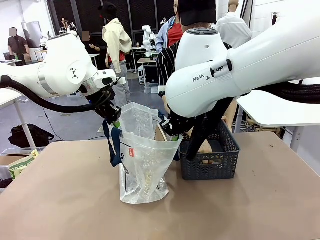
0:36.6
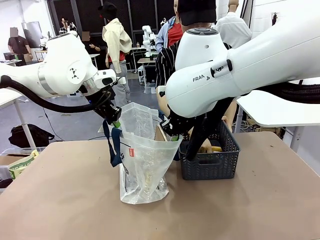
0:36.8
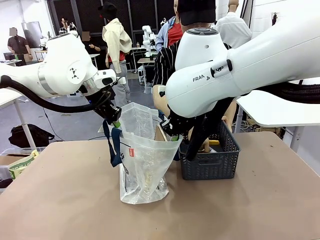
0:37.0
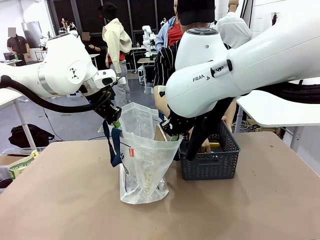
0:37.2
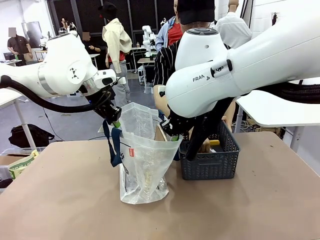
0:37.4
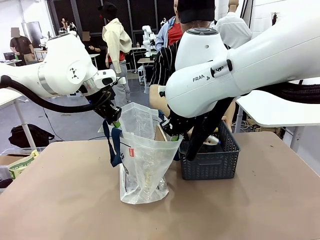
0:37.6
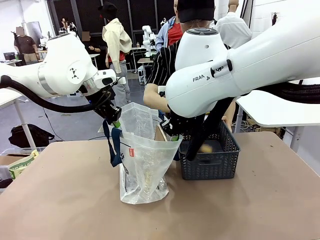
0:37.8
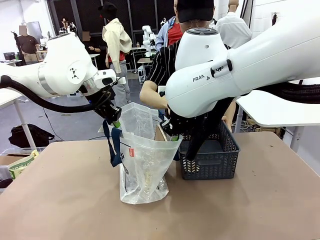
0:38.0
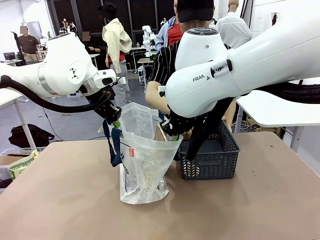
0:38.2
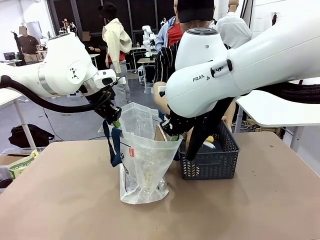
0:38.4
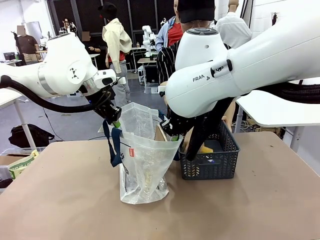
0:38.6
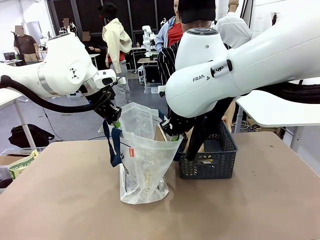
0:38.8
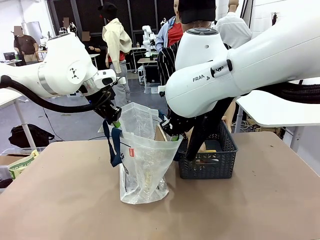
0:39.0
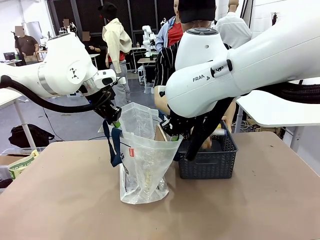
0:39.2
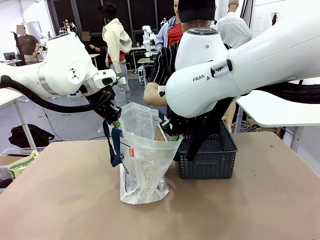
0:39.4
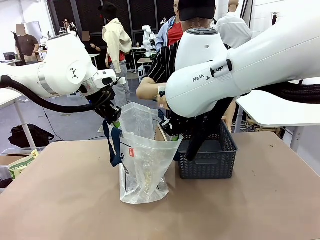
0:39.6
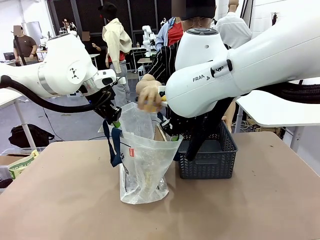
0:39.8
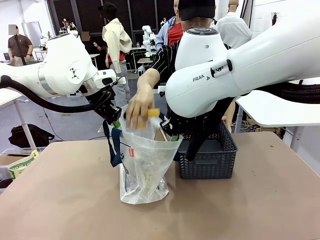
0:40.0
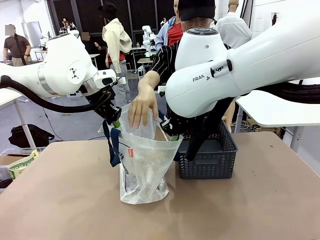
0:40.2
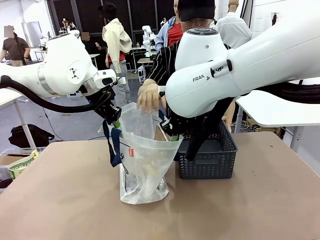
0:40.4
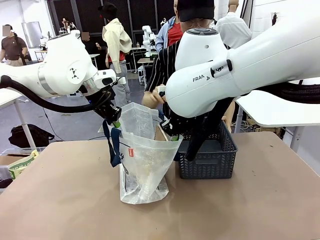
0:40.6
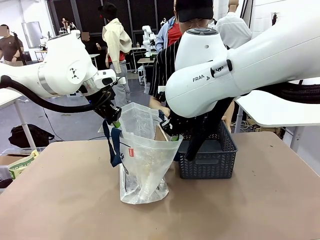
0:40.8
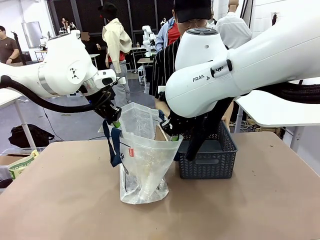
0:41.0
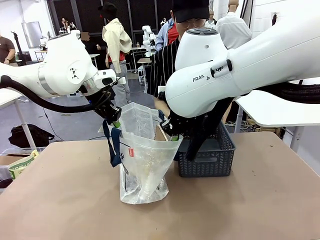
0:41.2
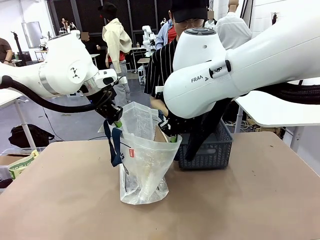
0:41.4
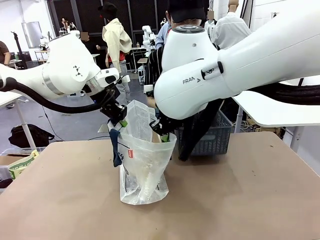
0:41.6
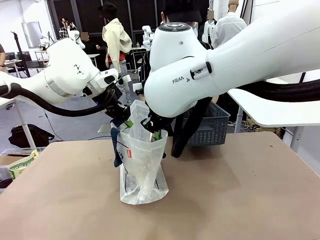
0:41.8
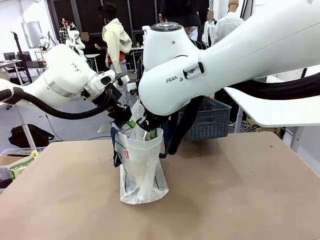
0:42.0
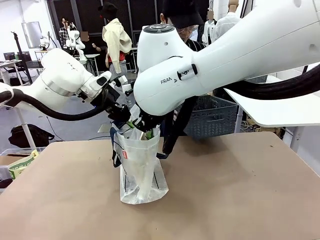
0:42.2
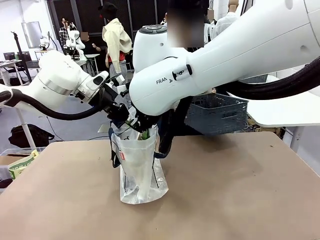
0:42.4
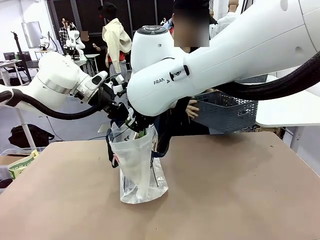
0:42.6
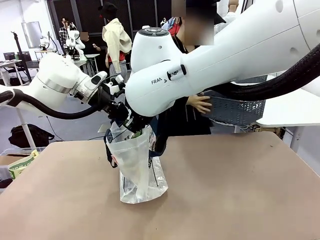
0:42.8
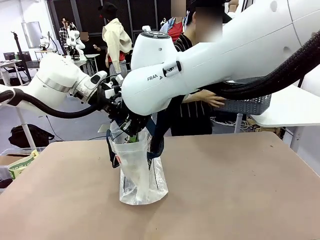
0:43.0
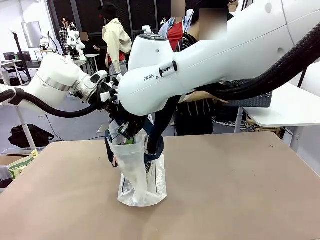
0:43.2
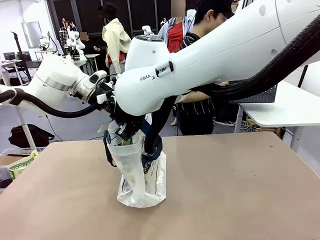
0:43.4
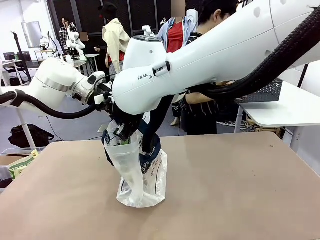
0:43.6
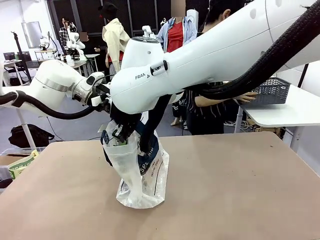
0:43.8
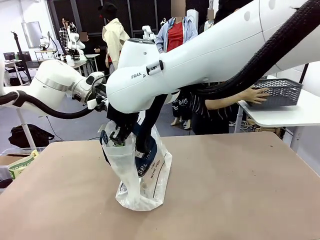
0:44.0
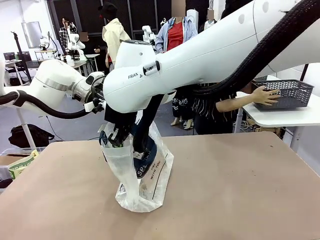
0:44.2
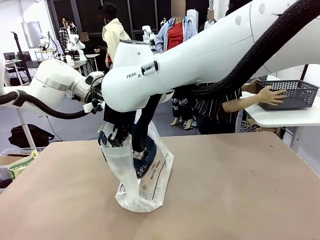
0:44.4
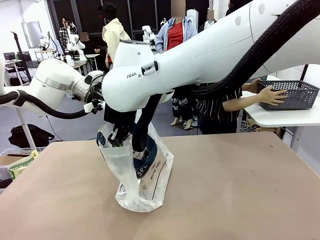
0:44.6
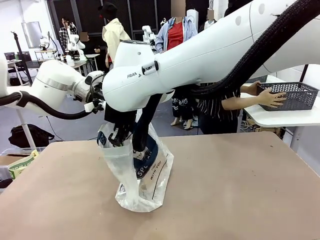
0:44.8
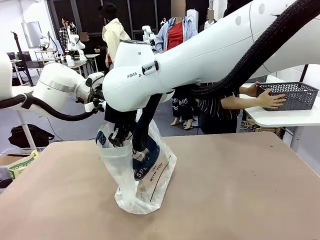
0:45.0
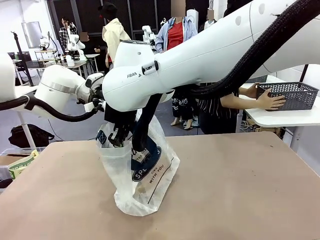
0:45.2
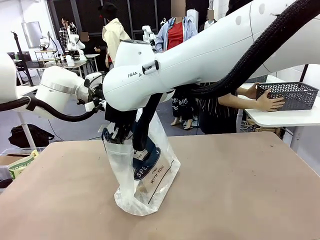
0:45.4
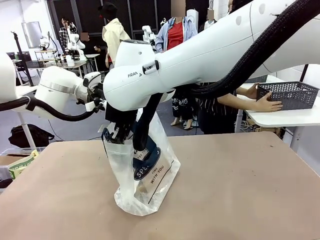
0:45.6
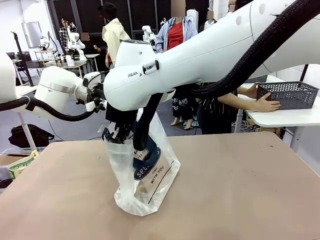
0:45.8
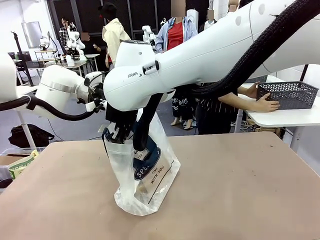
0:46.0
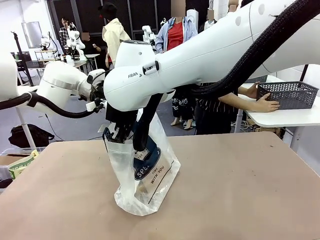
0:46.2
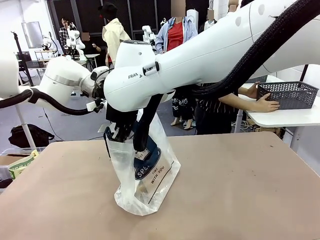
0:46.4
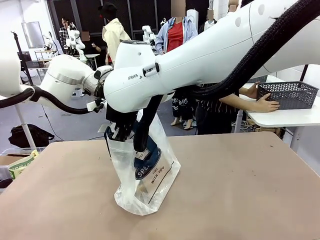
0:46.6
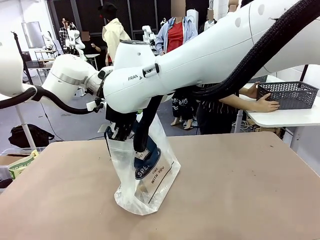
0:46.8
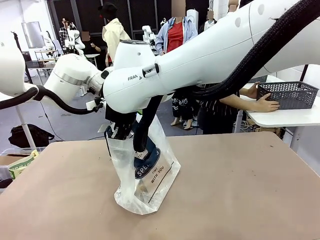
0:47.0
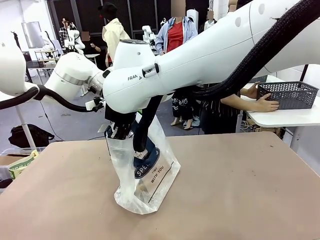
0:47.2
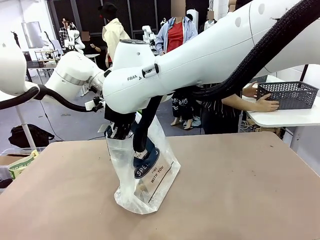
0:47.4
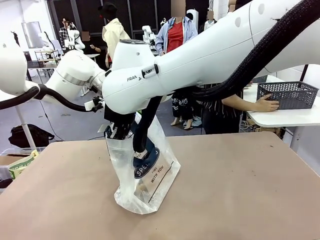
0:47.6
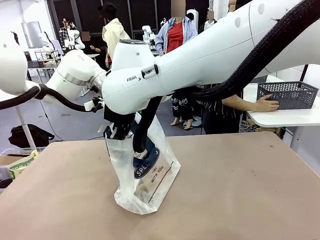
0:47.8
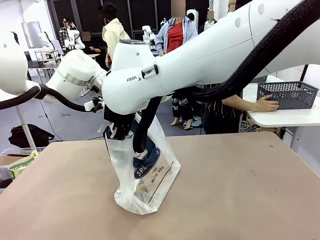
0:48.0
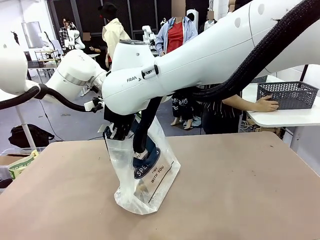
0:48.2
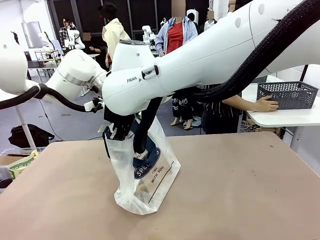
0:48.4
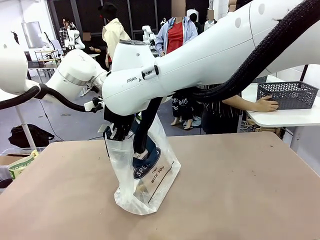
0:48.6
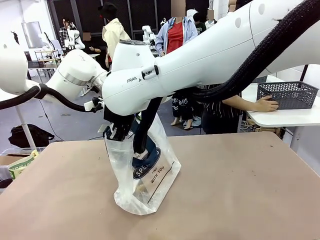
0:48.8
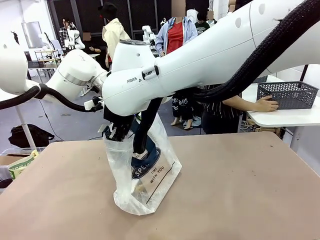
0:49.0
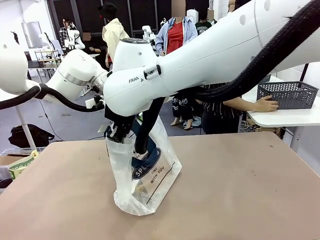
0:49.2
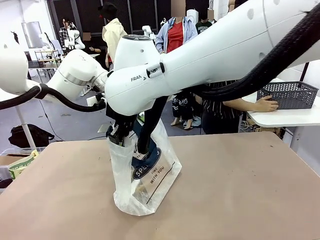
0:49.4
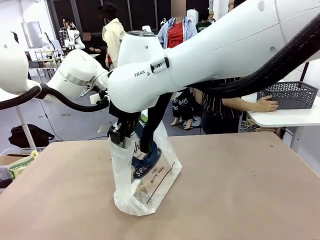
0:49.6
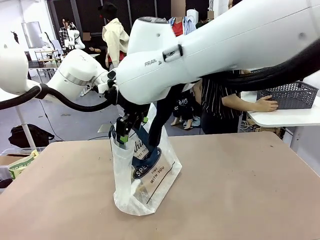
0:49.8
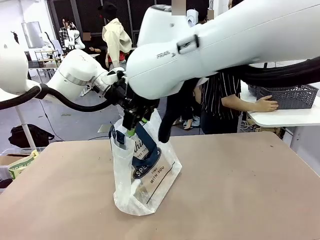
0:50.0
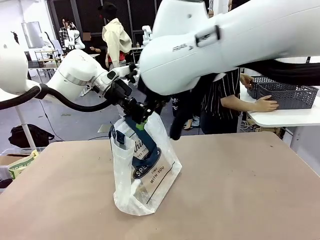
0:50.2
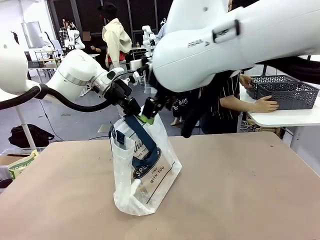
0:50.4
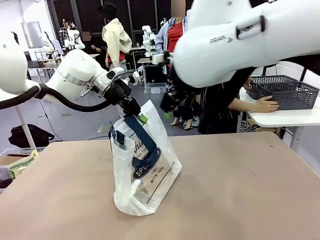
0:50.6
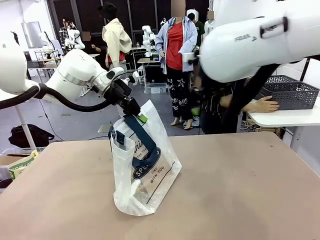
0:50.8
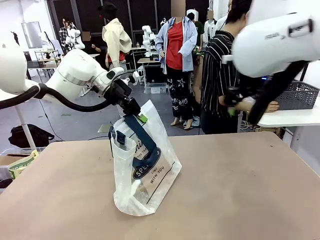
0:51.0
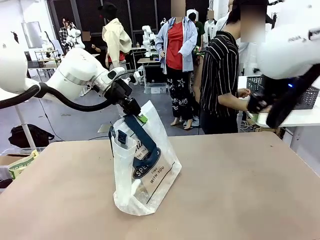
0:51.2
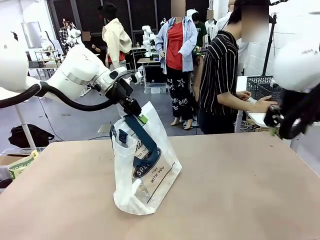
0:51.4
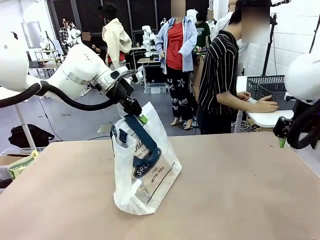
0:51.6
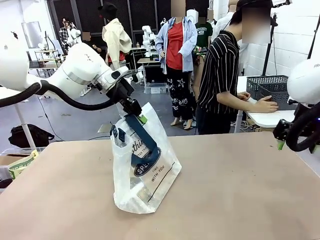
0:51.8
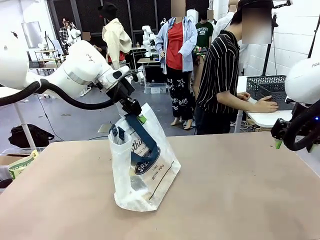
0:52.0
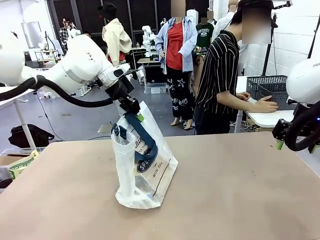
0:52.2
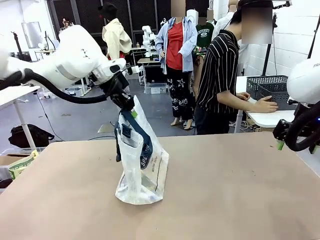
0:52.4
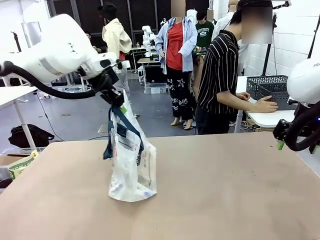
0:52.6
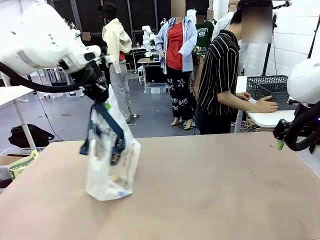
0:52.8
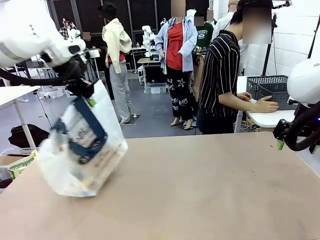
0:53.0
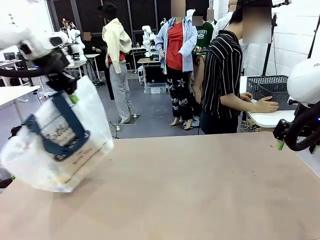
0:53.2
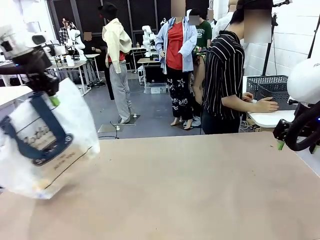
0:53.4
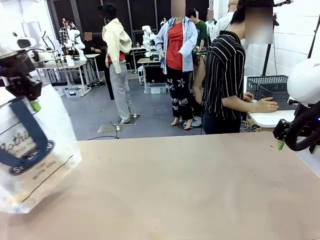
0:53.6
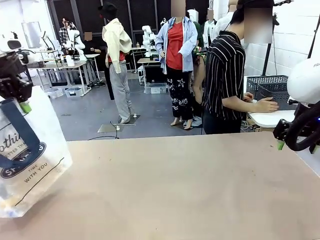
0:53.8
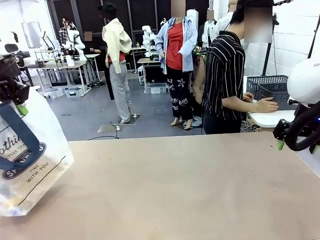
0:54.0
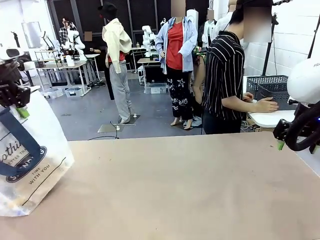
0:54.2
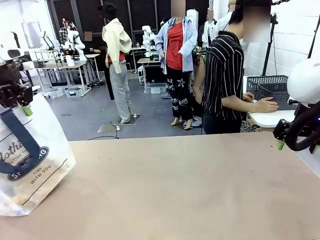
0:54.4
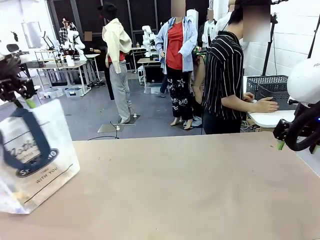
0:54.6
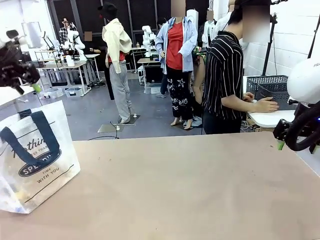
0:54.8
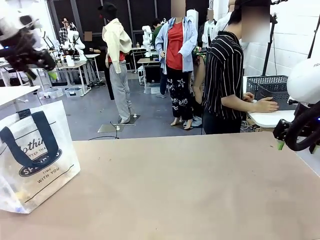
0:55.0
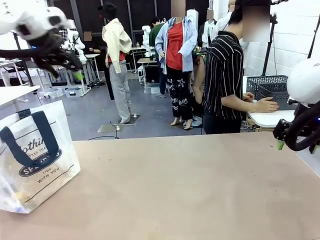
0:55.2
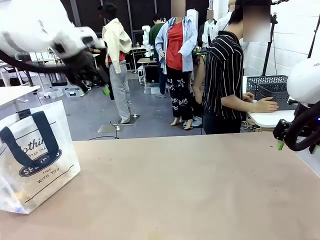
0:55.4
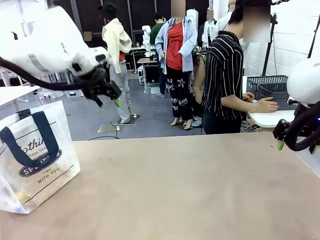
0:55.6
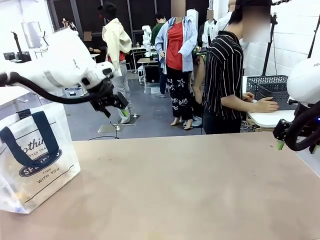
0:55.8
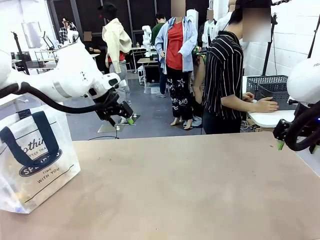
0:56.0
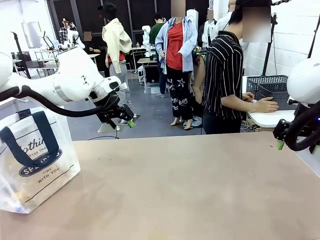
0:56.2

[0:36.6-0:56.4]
Task: Transfer purchased items from the store into the shopping bag.
Robot: Move the Reusable shopping bag to the right side of the table.
Person: Move the basket on the left to the middle of the person's table.
